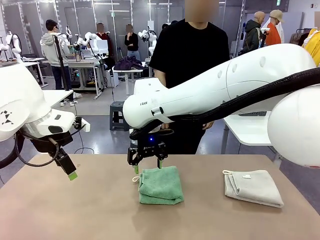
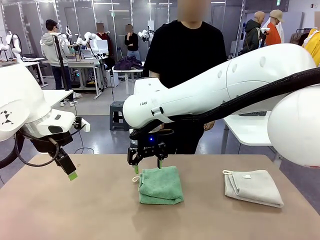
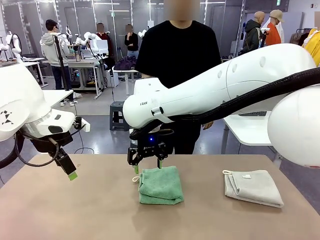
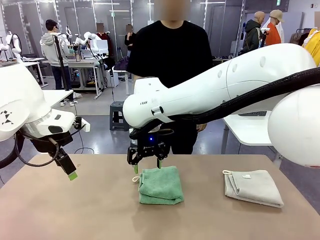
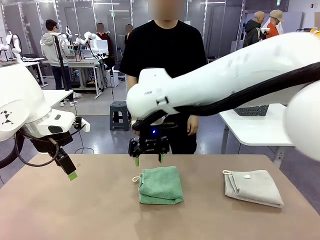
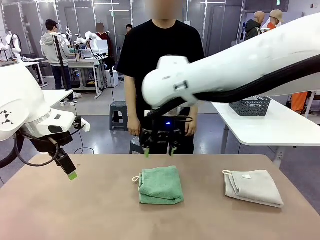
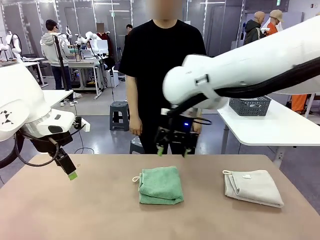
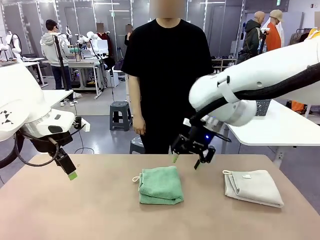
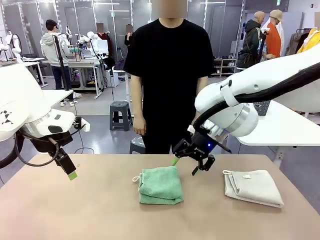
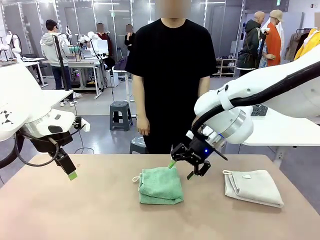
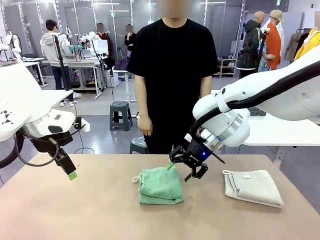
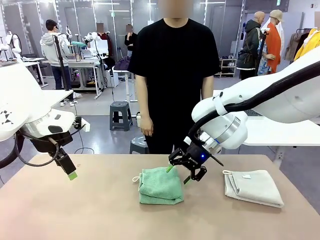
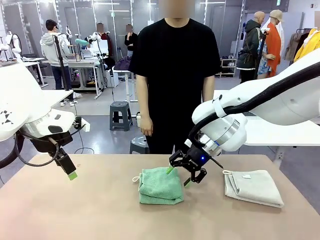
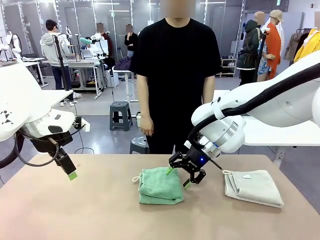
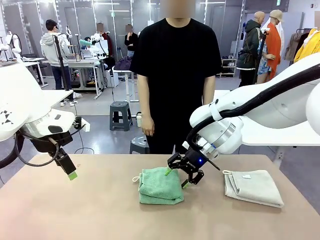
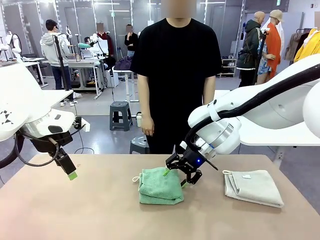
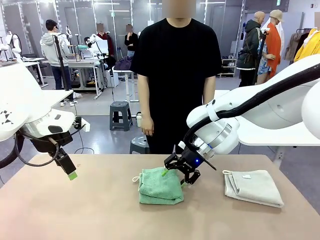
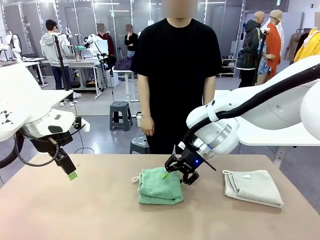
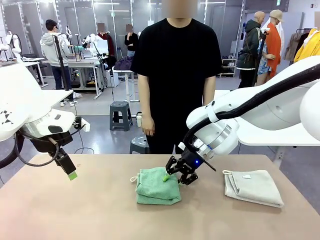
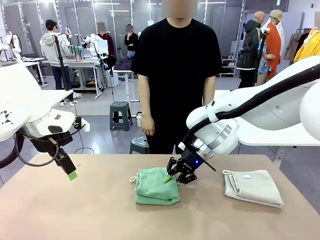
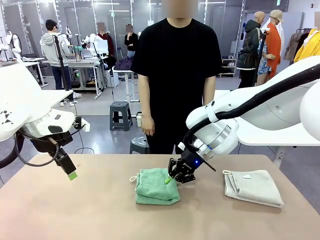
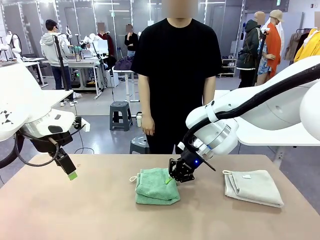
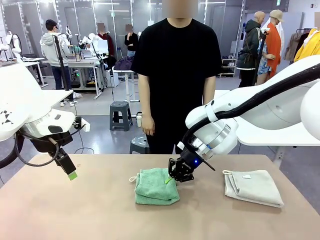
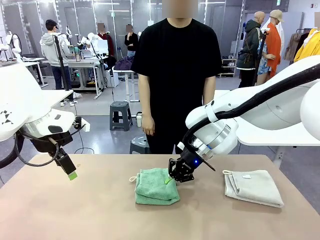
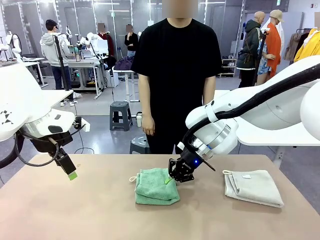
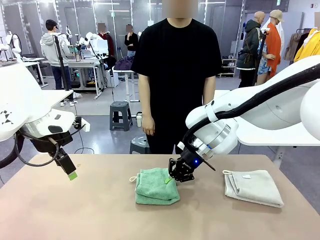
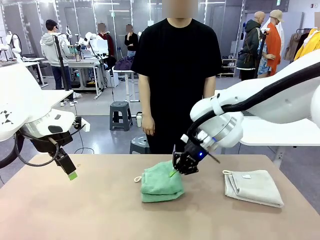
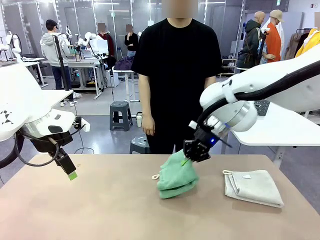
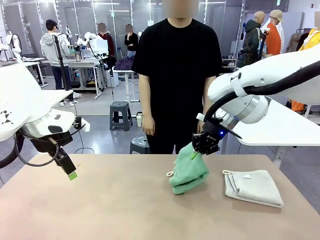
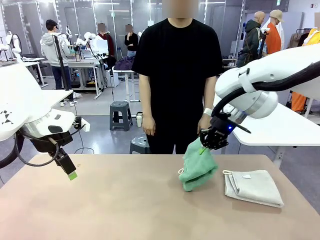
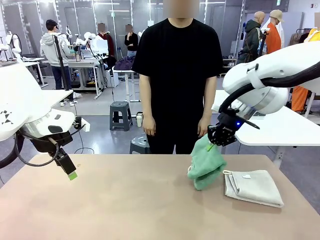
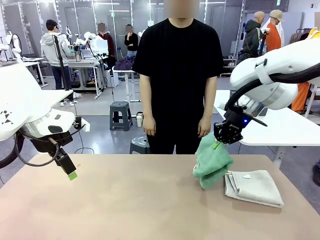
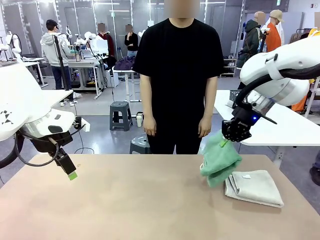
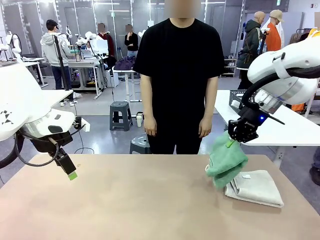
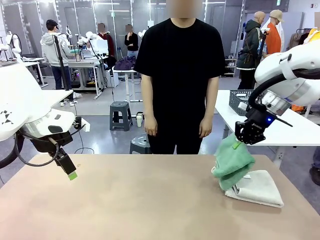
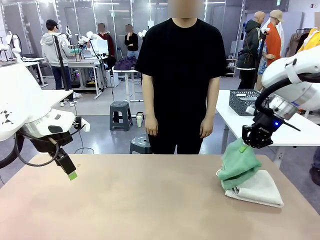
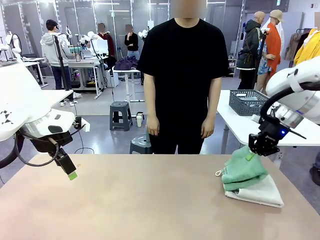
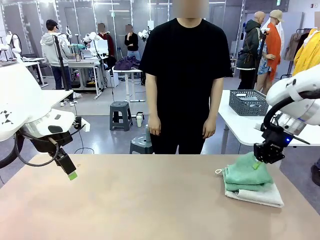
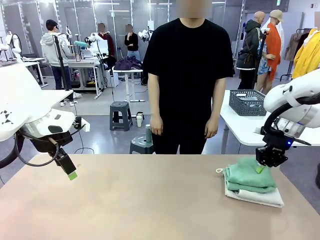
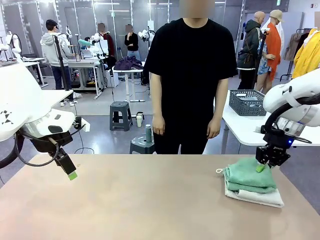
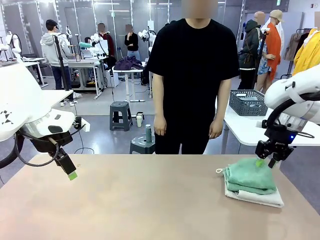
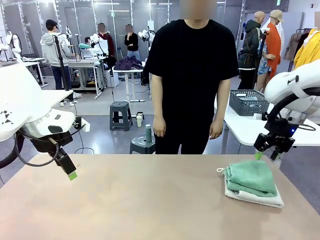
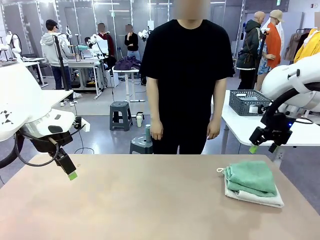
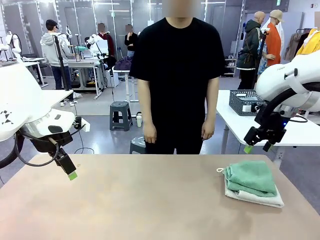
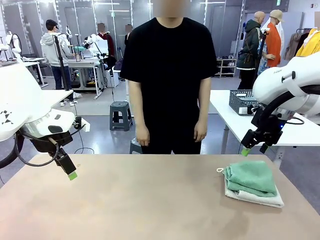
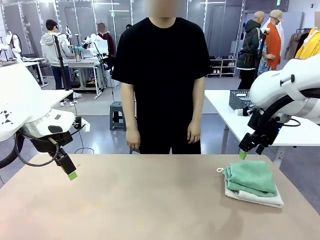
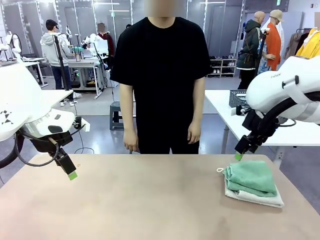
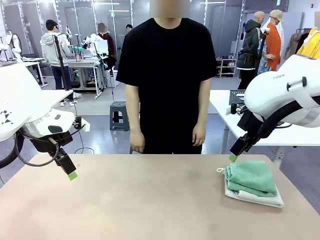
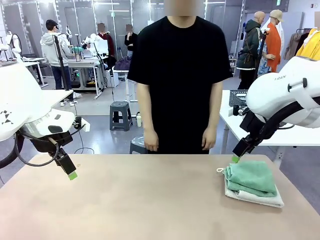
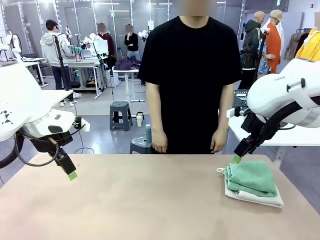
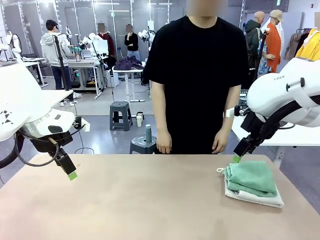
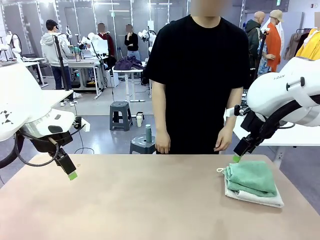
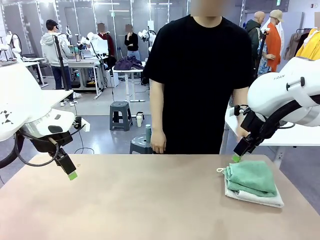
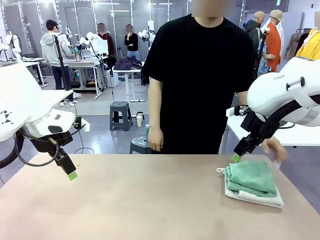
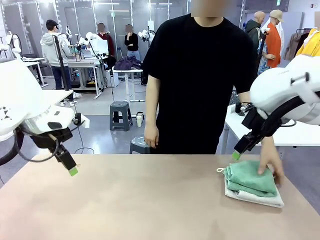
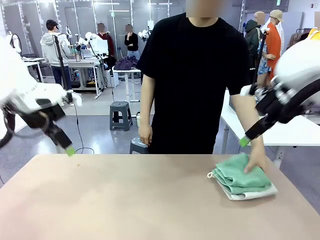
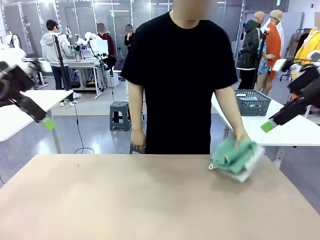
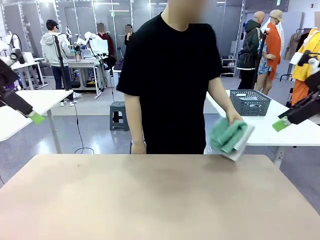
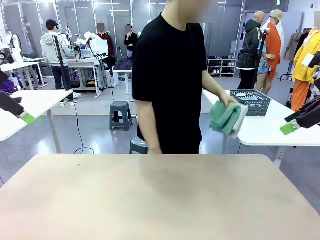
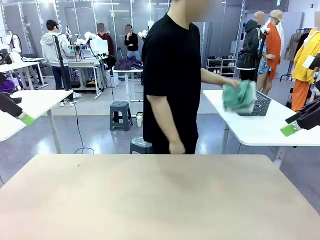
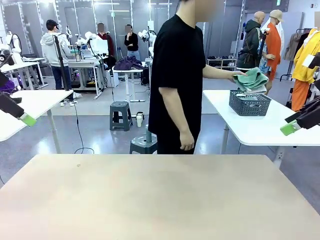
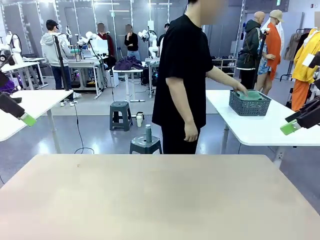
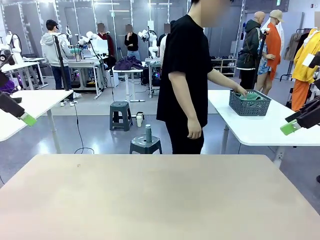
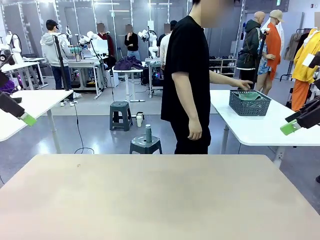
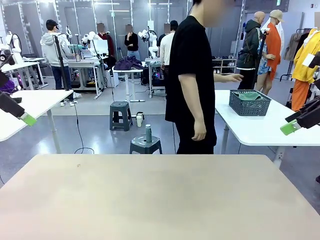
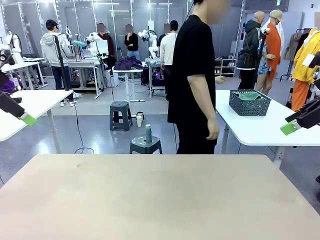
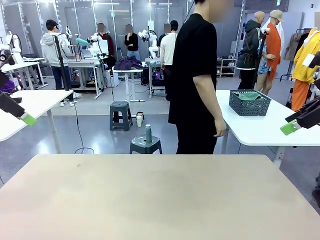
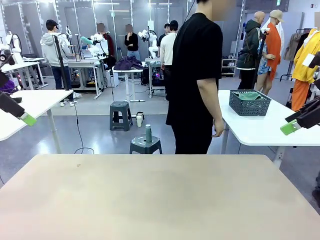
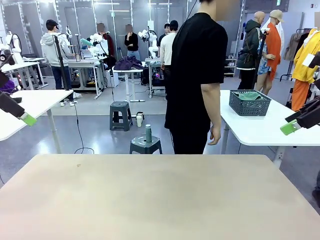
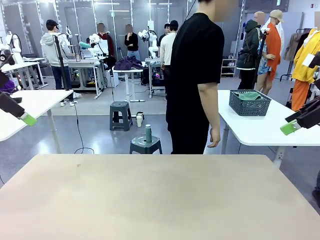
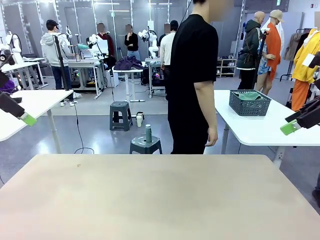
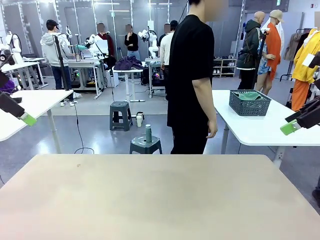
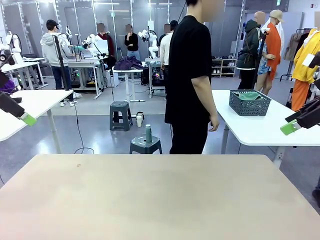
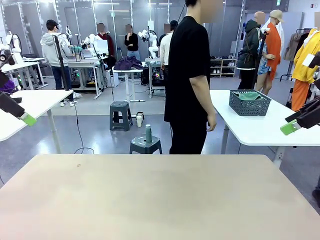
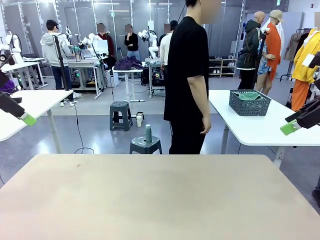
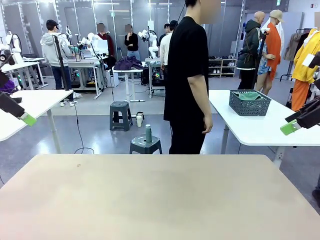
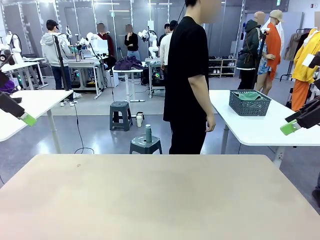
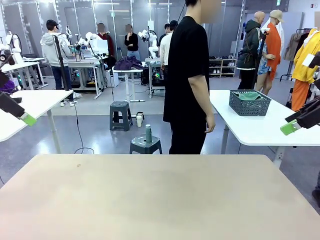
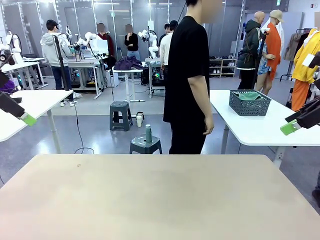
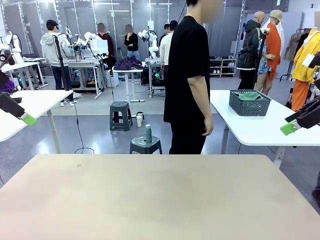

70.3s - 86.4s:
Task: Fold the towels and place them in the basket.
Robot: Stack the folded Towel with hook on the right side of the table.
Person: Pick up the stack of towels from the robot table and place it into the basket.
